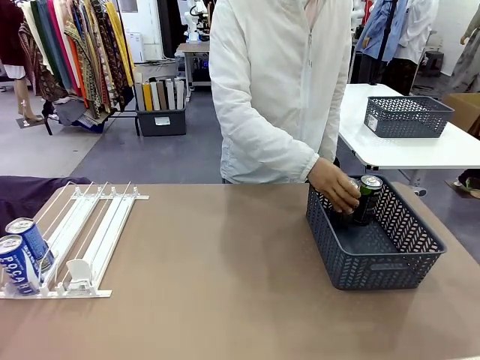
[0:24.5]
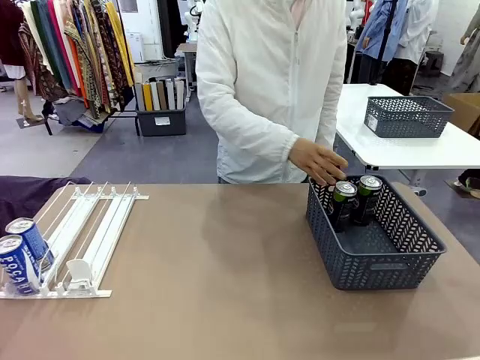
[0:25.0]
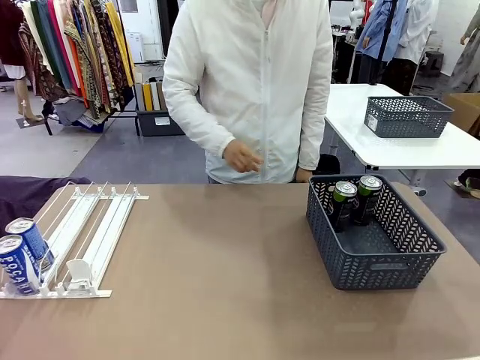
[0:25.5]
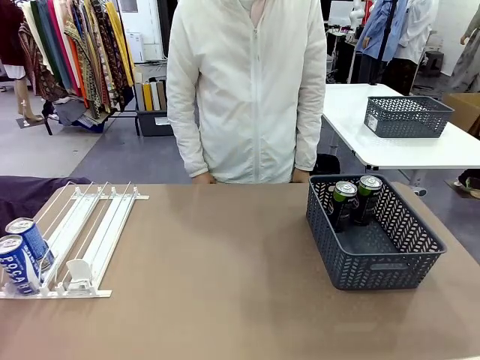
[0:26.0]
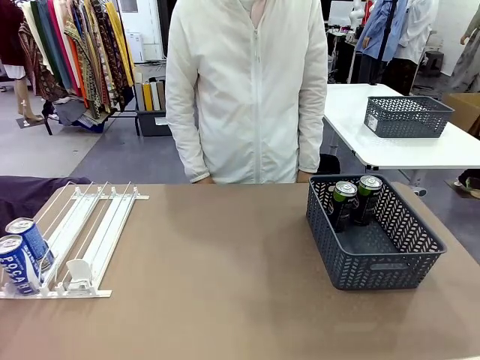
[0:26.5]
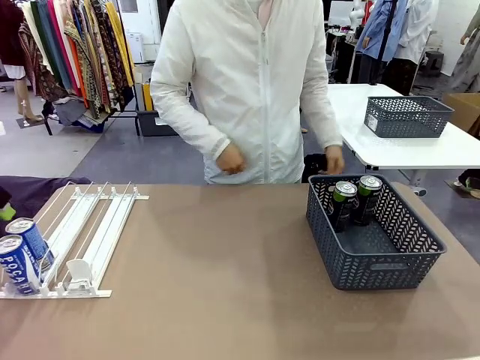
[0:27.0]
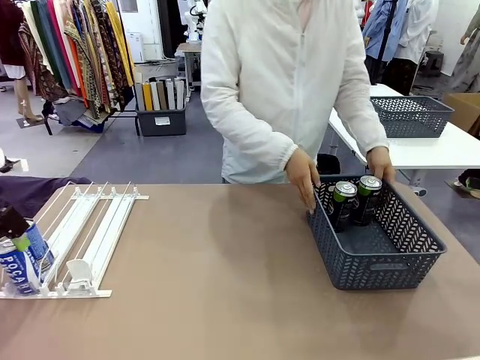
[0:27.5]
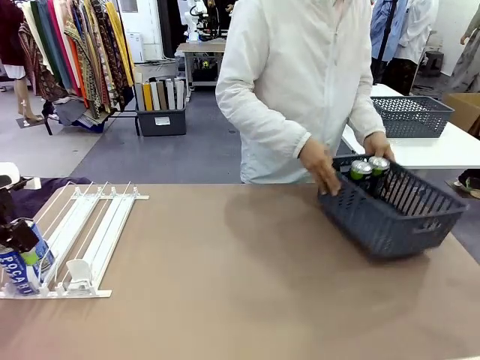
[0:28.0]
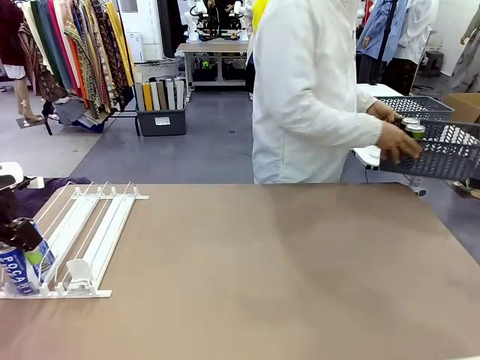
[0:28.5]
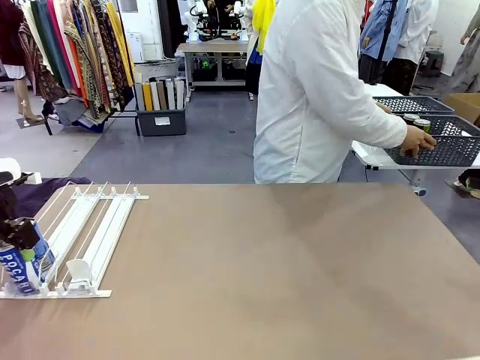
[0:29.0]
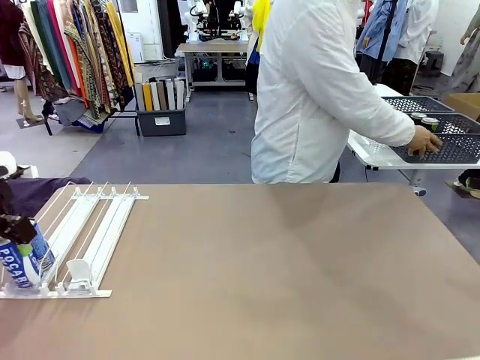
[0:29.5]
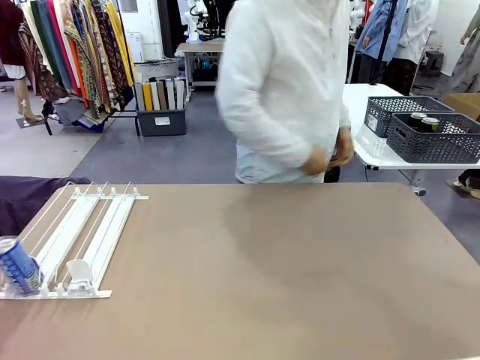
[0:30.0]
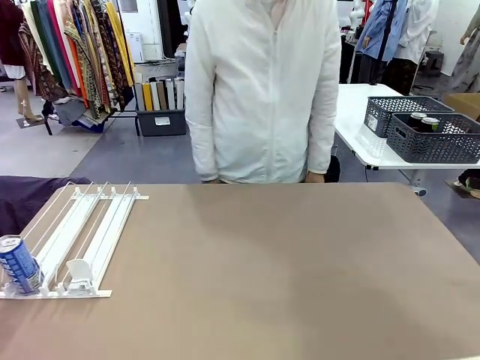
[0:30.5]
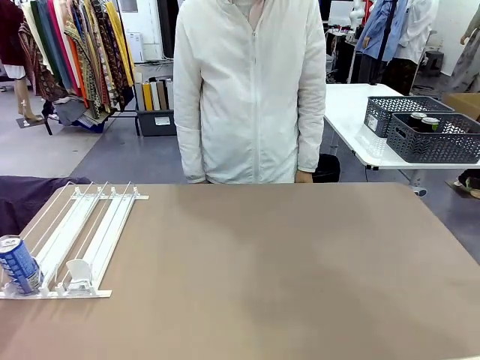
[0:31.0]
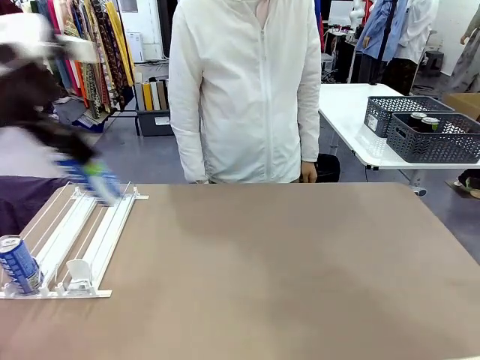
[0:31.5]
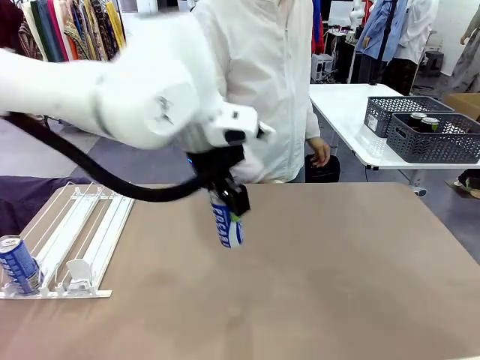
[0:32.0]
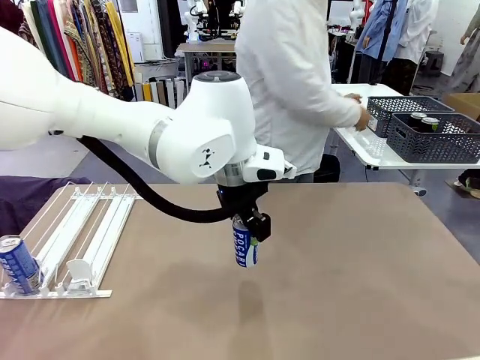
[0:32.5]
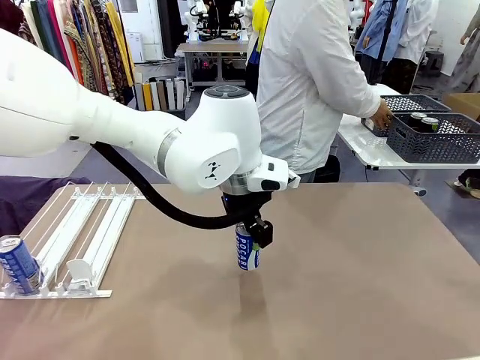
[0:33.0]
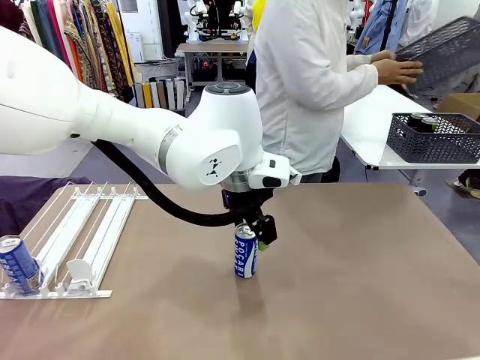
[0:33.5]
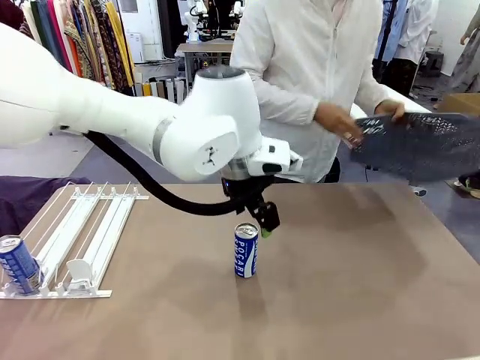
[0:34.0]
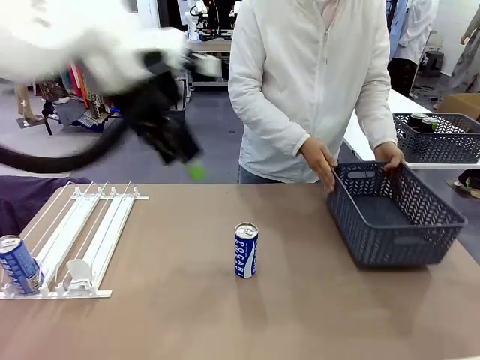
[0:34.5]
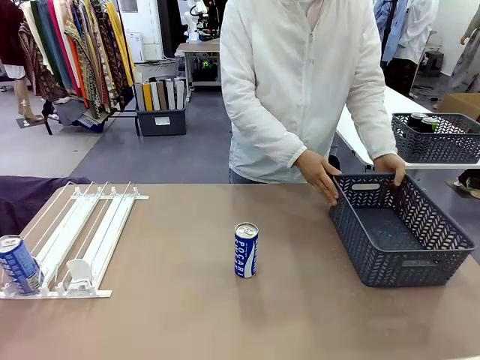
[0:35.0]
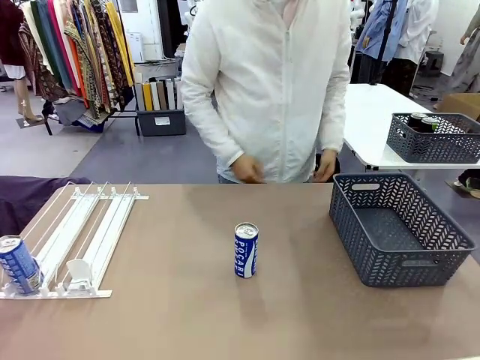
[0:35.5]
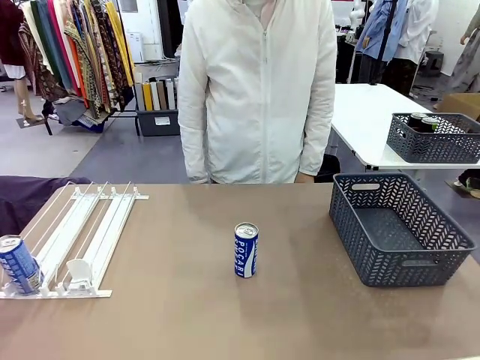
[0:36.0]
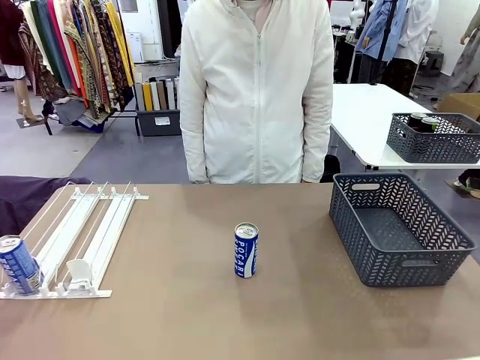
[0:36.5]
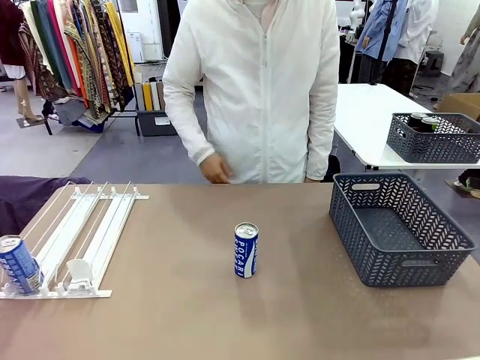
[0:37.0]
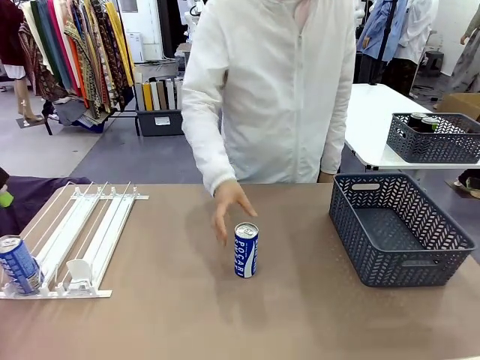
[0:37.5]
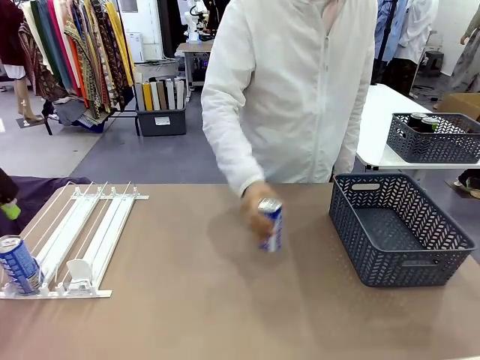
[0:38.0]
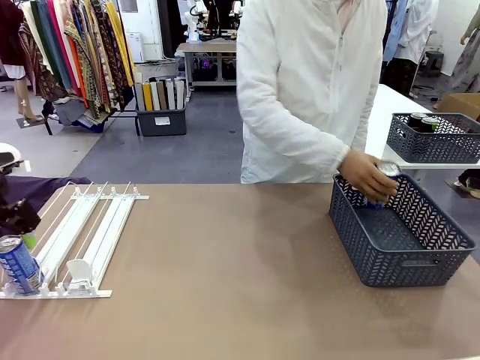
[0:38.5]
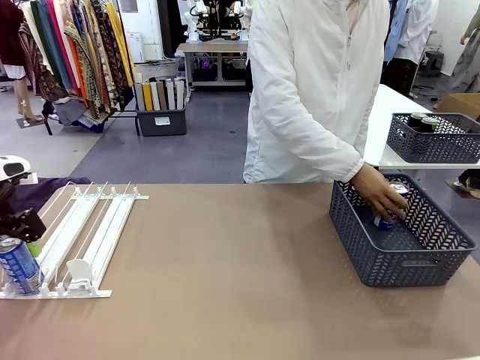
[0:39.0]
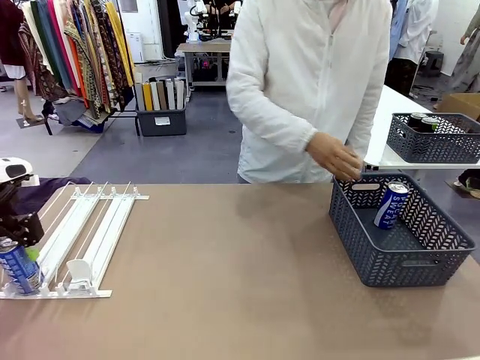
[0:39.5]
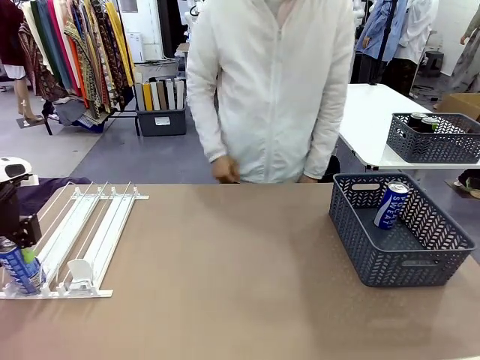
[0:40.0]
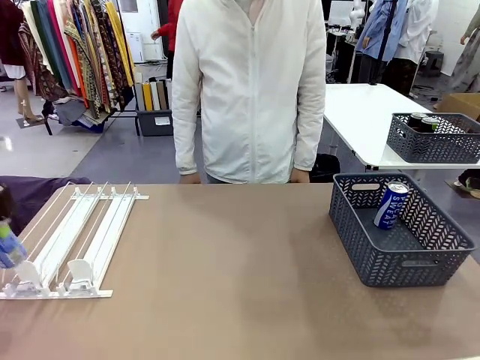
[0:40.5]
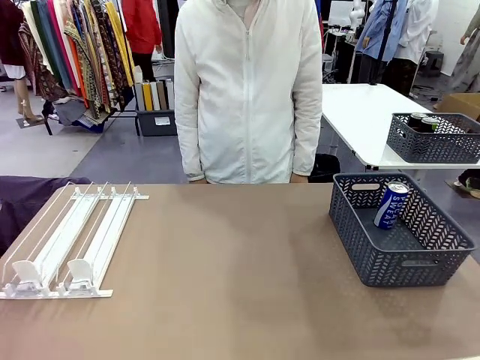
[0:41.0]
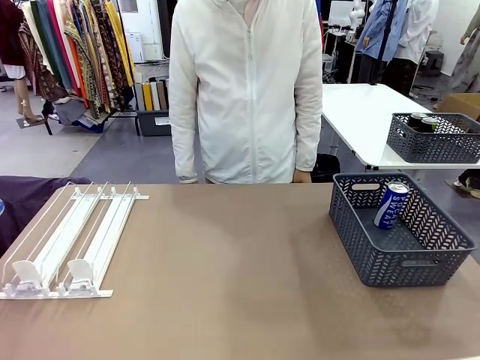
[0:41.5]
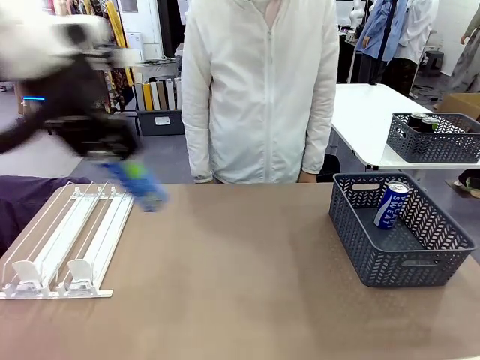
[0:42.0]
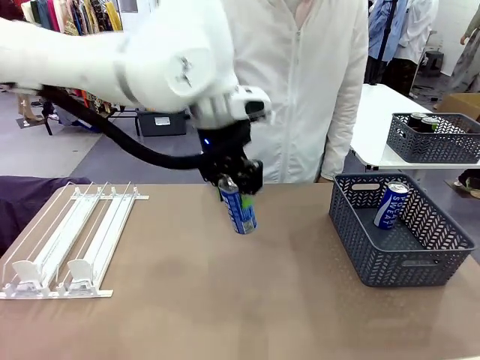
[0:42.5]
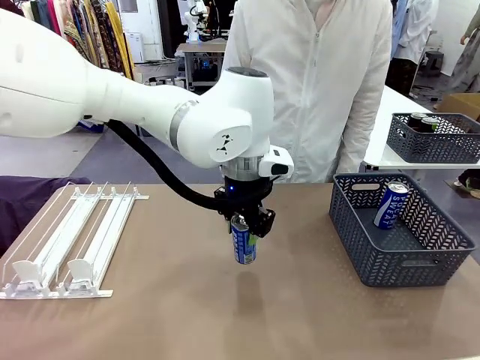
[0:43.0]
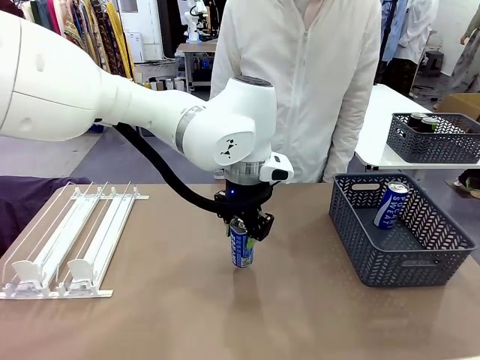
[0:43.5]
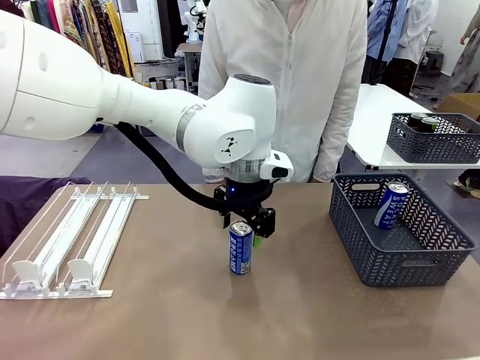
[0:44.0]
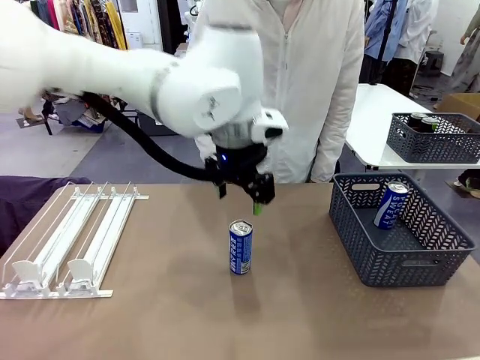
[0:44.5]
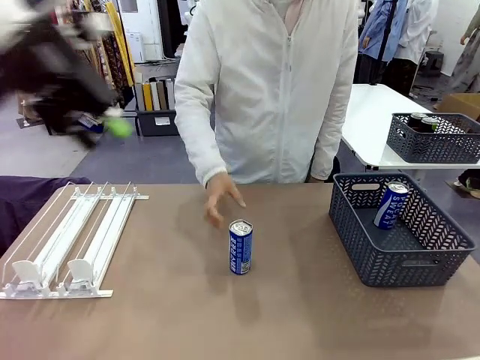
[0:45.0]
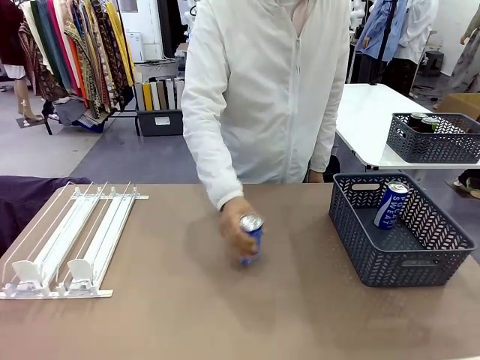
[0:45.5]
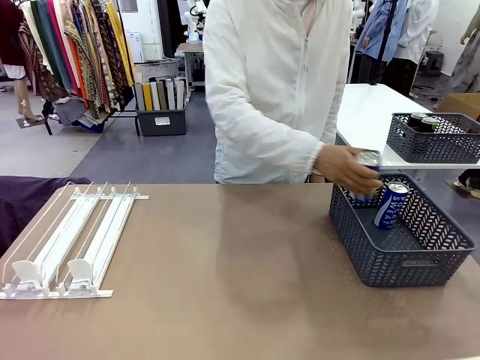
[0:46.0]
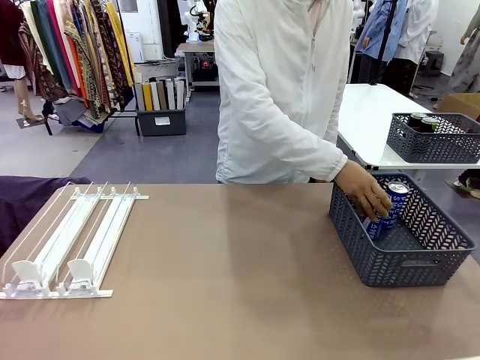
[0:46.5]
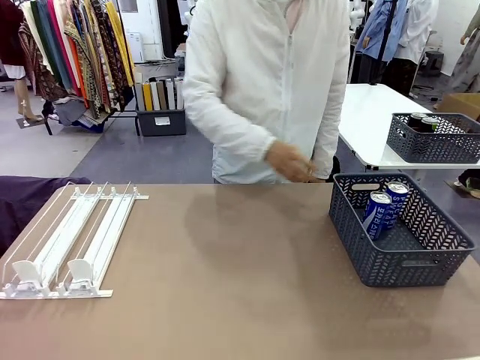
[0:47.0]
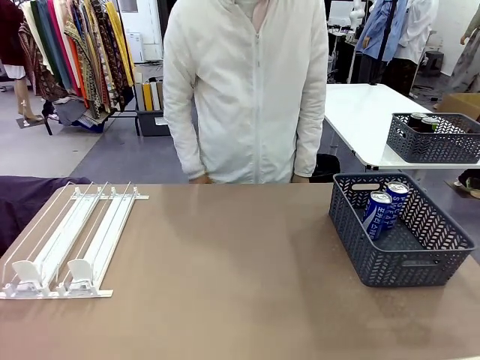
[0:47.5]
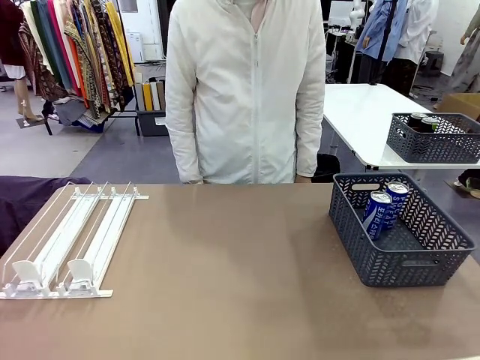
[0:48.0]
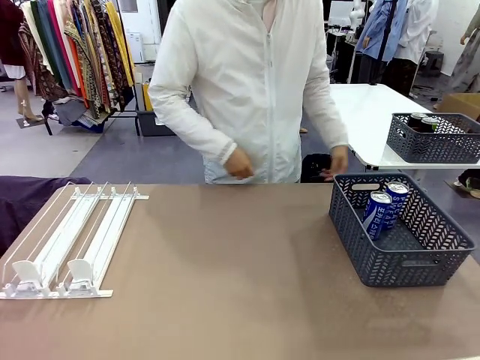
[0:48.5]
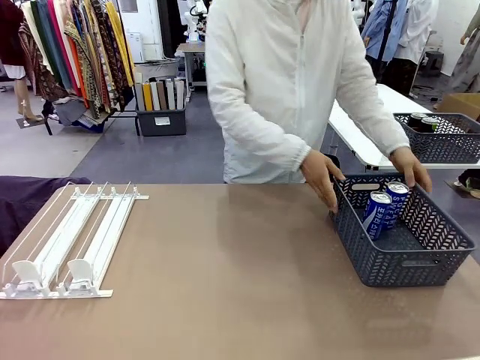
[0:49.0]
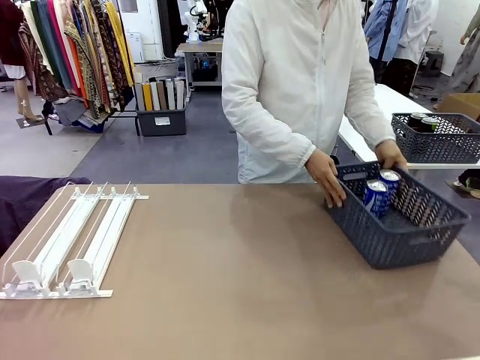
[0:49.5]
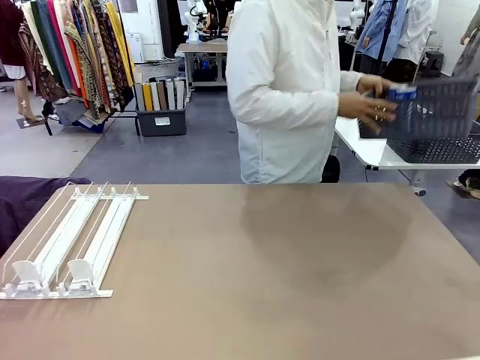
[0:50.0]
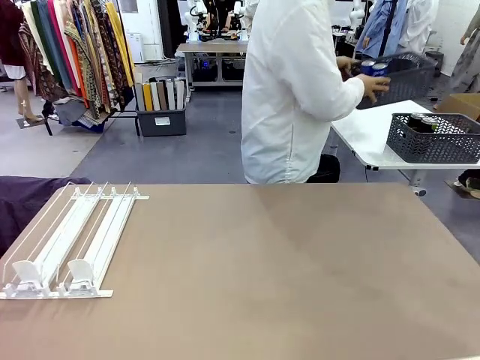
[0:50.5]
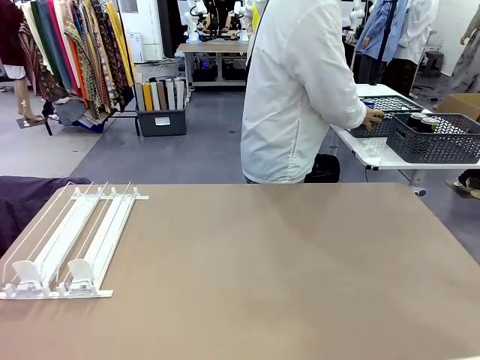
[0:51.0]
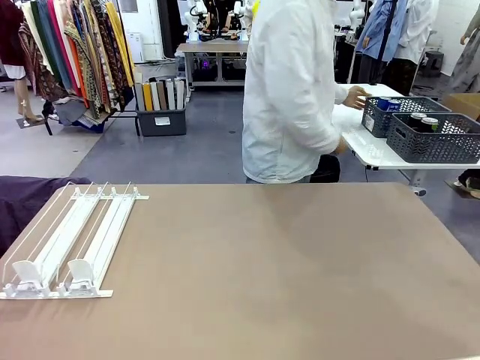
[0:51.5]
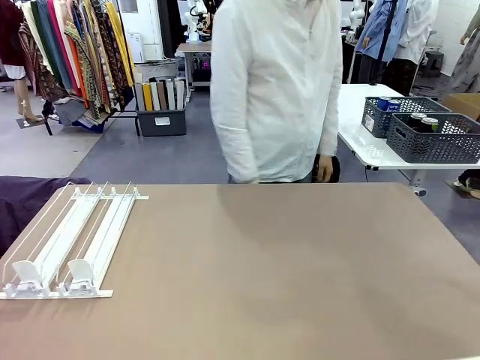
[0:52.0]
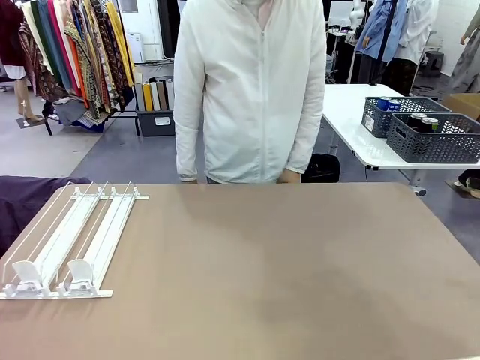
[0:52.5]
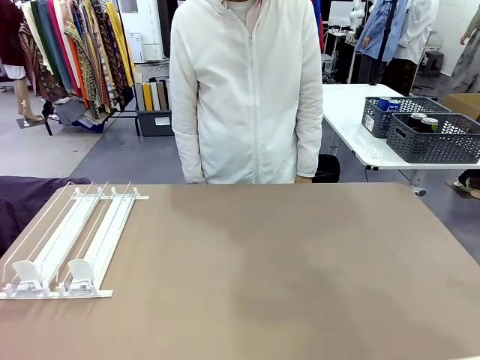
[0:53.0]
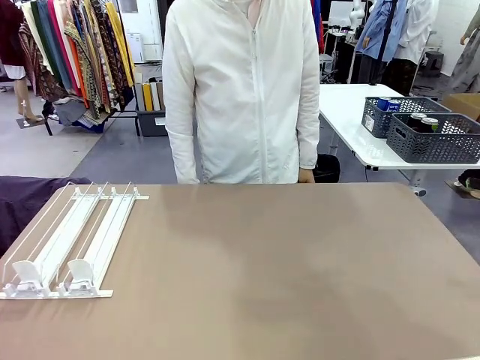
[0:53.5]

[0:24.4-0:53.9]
Task: Retrieve and store the cans from the dispenser.
Robot: Pick up one can from the Automatic Can Dispenser and place it in the middle of the table.
Person: Pick up the basket and place it in the middle of the human table. Pick up the empty basket and place it on the left side of the robot table. Pick up one sports drink can from the middle of the robot table and place it in the basket. Pick up the basket and place it in the middle of the human table.
